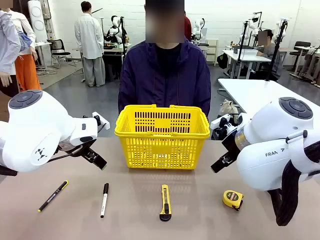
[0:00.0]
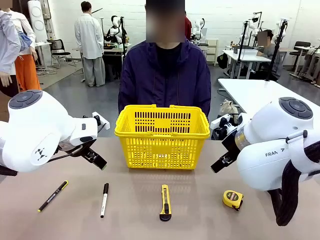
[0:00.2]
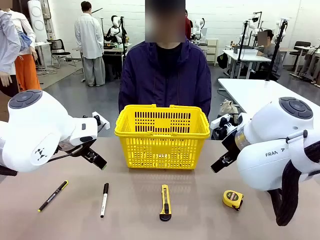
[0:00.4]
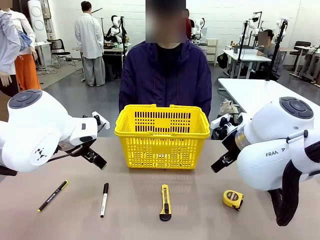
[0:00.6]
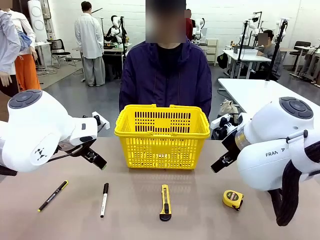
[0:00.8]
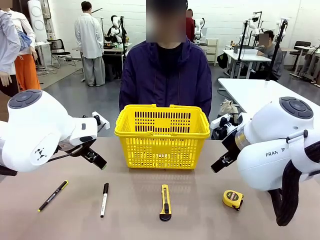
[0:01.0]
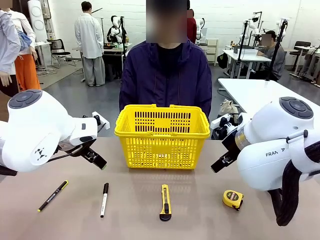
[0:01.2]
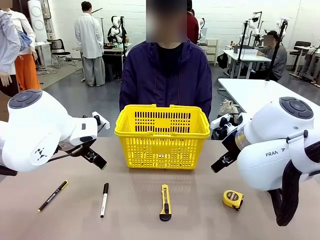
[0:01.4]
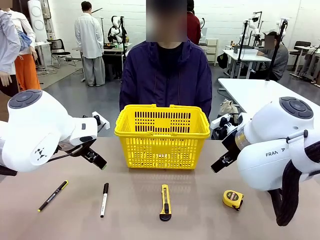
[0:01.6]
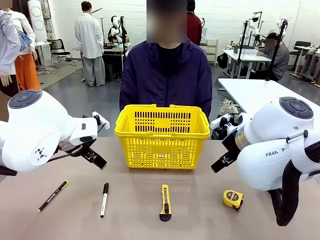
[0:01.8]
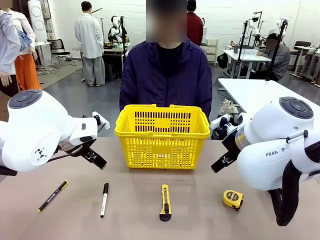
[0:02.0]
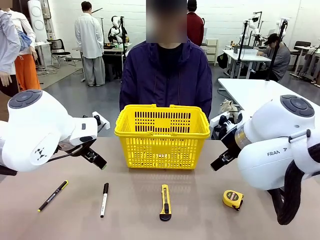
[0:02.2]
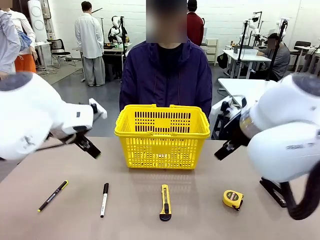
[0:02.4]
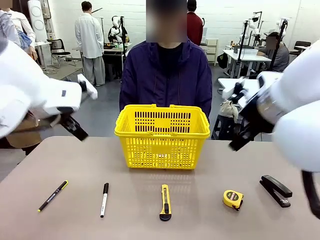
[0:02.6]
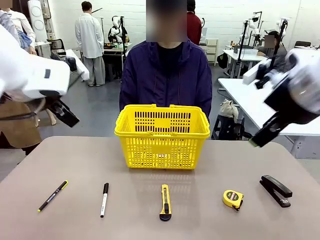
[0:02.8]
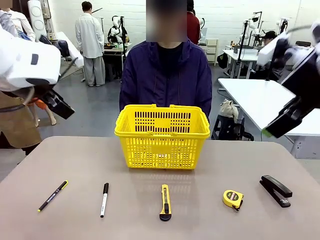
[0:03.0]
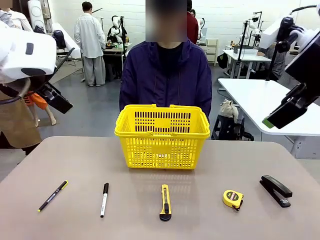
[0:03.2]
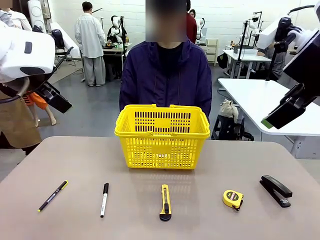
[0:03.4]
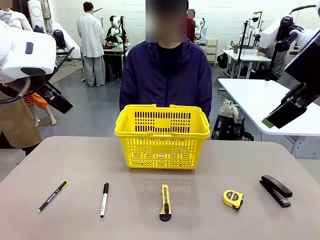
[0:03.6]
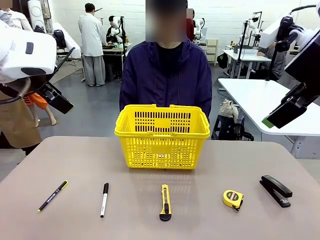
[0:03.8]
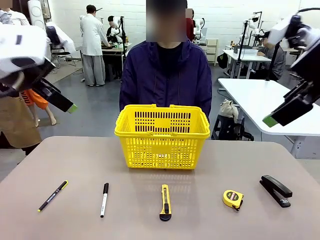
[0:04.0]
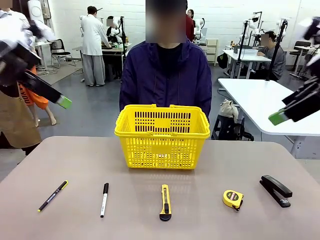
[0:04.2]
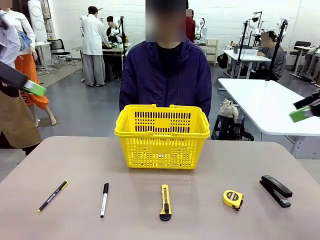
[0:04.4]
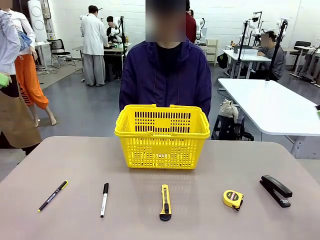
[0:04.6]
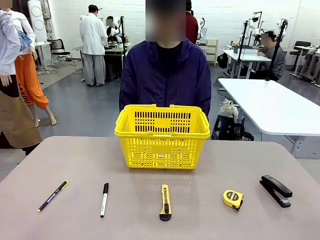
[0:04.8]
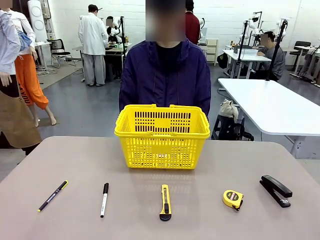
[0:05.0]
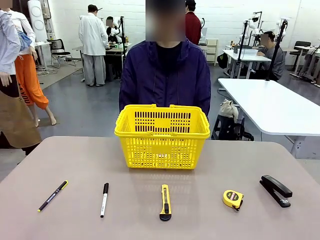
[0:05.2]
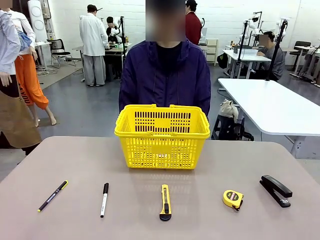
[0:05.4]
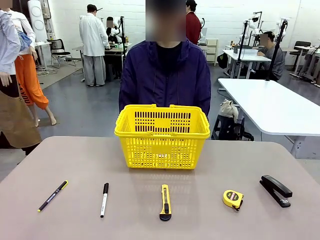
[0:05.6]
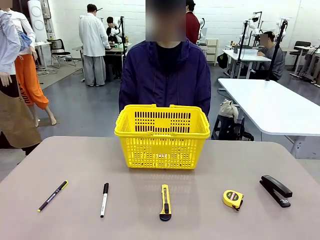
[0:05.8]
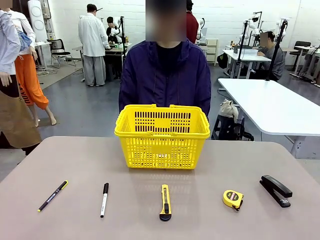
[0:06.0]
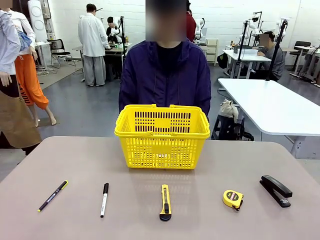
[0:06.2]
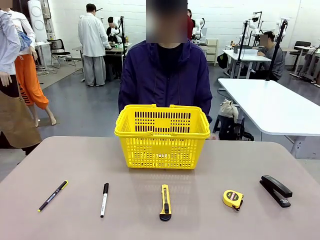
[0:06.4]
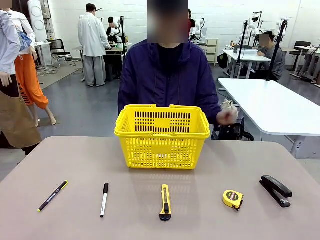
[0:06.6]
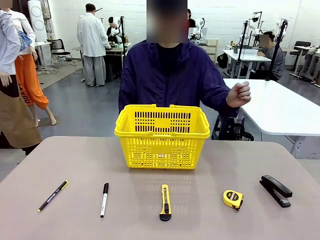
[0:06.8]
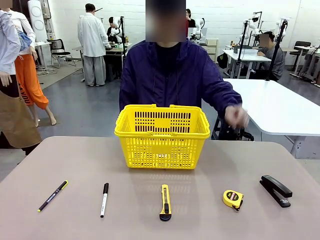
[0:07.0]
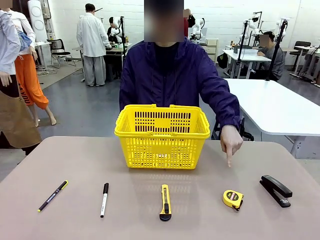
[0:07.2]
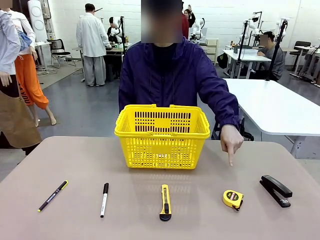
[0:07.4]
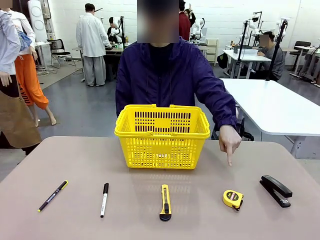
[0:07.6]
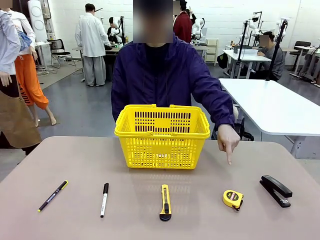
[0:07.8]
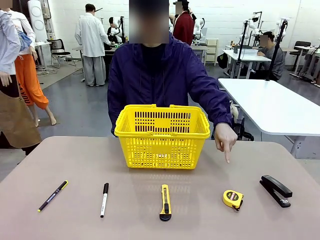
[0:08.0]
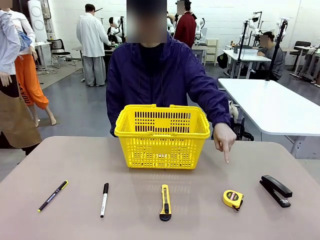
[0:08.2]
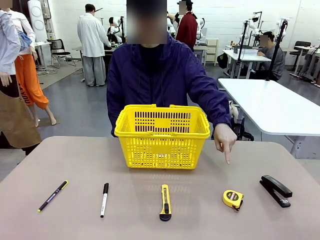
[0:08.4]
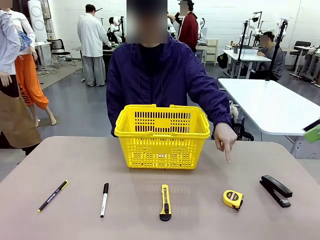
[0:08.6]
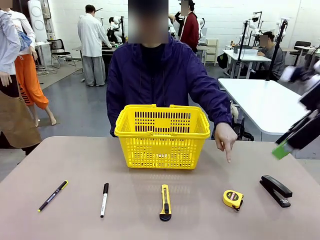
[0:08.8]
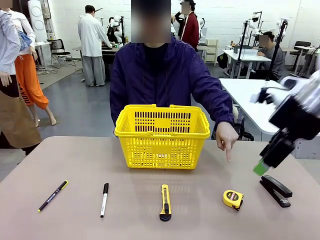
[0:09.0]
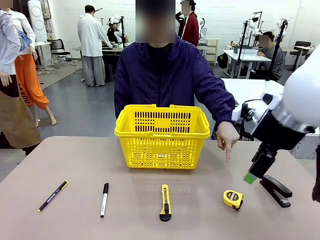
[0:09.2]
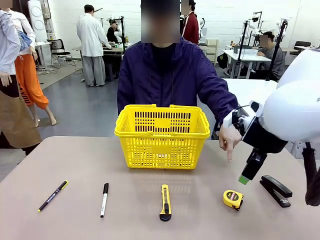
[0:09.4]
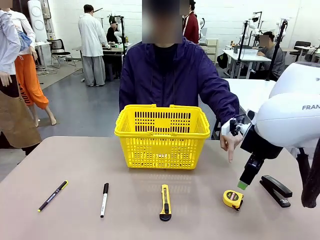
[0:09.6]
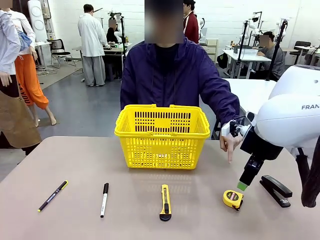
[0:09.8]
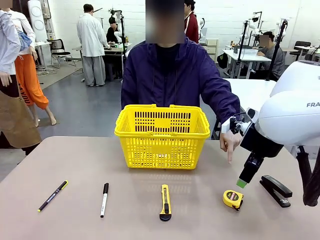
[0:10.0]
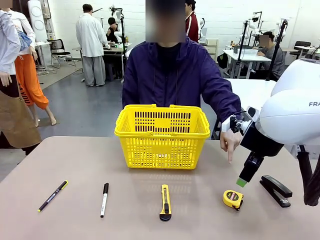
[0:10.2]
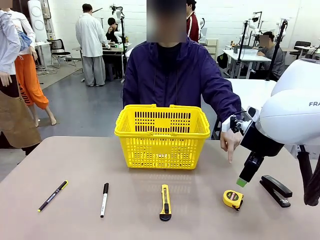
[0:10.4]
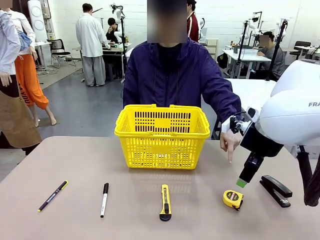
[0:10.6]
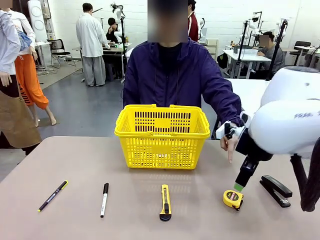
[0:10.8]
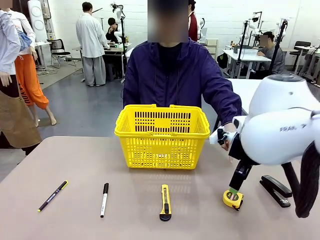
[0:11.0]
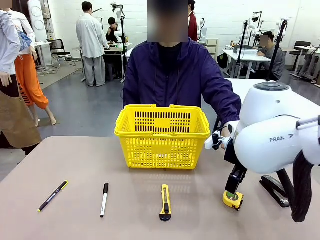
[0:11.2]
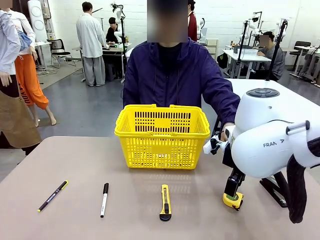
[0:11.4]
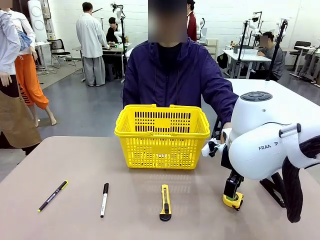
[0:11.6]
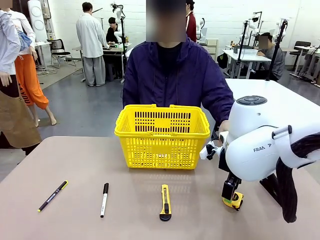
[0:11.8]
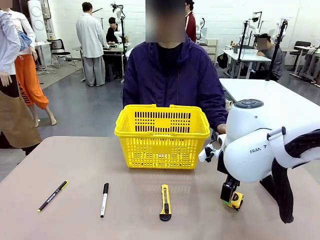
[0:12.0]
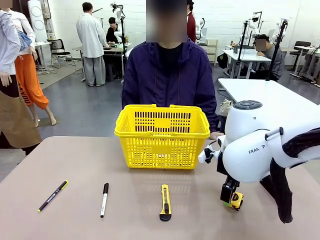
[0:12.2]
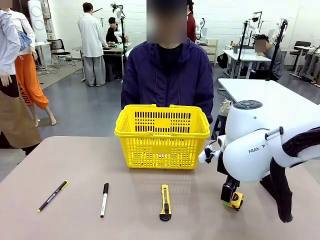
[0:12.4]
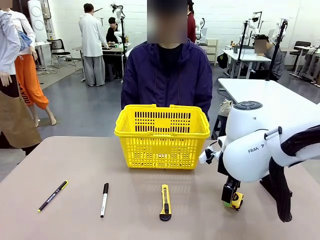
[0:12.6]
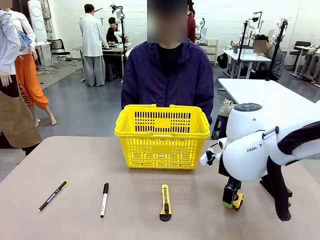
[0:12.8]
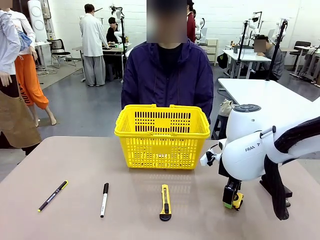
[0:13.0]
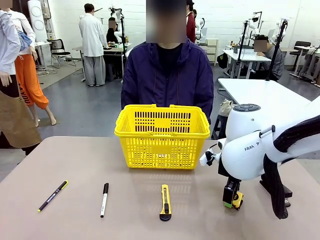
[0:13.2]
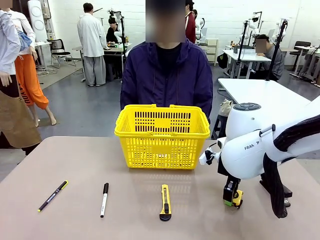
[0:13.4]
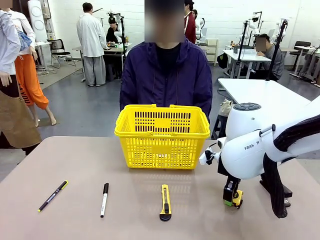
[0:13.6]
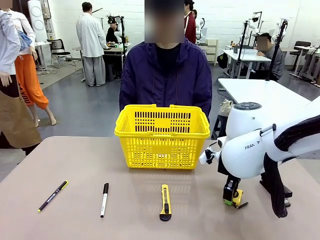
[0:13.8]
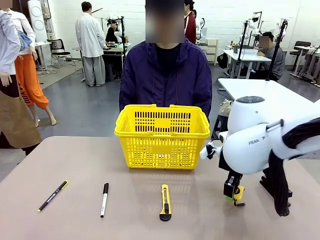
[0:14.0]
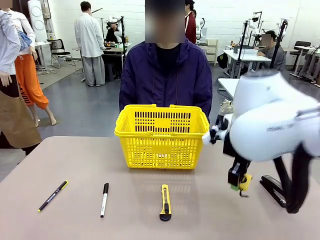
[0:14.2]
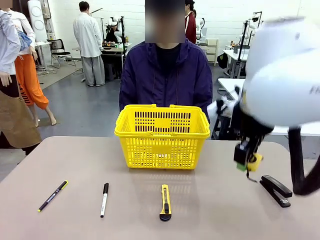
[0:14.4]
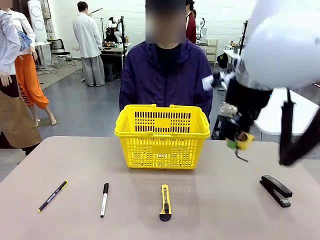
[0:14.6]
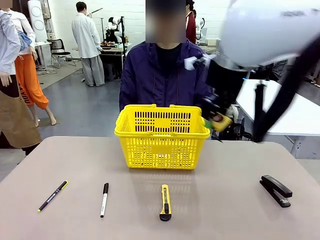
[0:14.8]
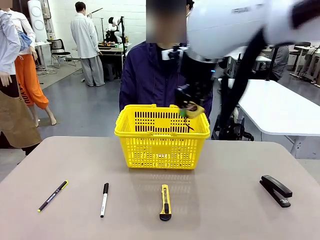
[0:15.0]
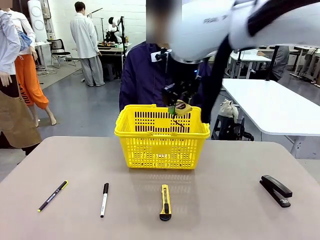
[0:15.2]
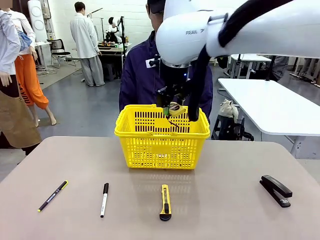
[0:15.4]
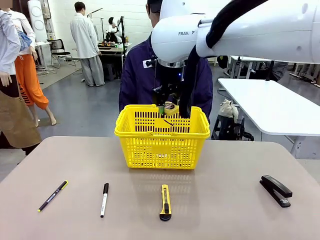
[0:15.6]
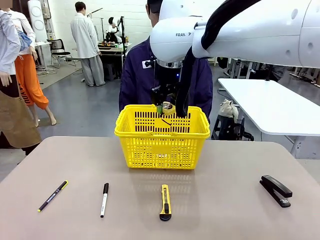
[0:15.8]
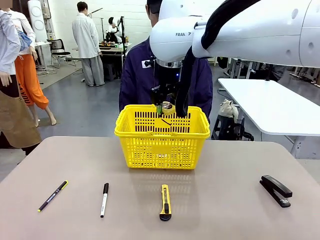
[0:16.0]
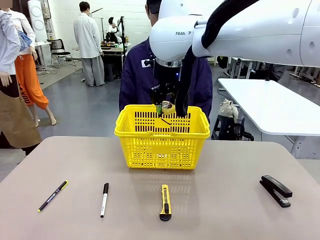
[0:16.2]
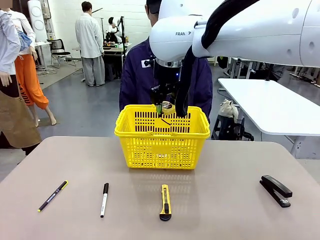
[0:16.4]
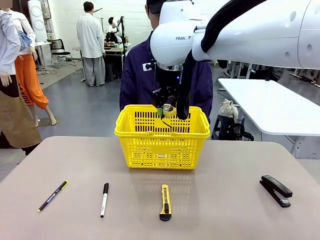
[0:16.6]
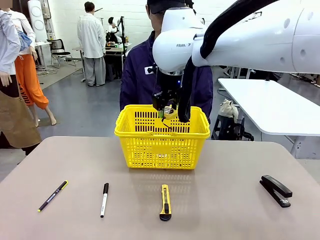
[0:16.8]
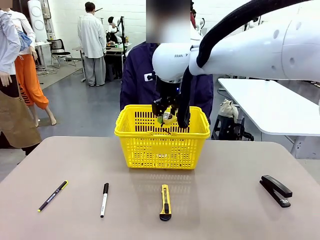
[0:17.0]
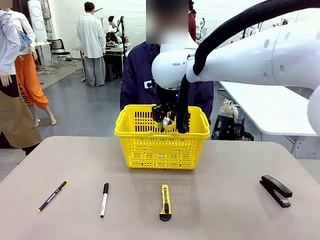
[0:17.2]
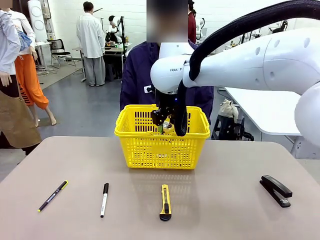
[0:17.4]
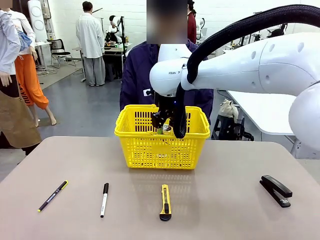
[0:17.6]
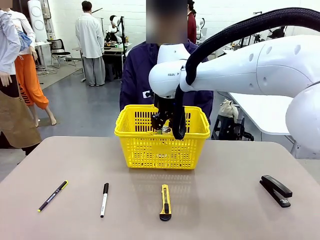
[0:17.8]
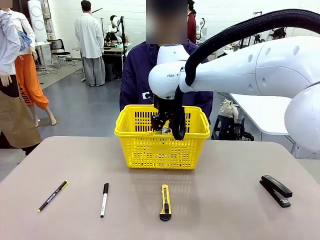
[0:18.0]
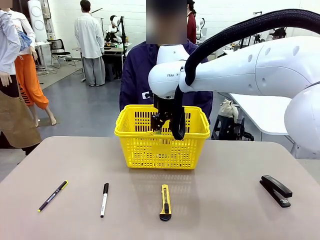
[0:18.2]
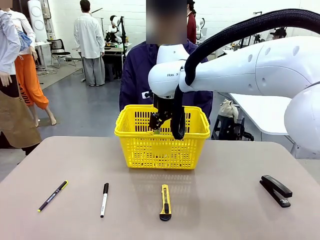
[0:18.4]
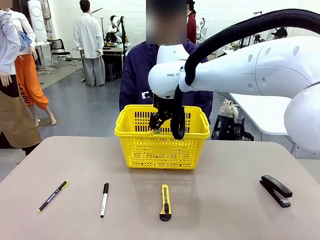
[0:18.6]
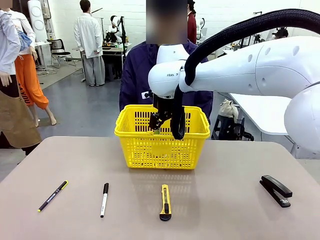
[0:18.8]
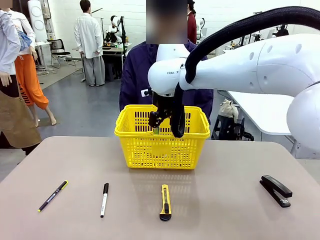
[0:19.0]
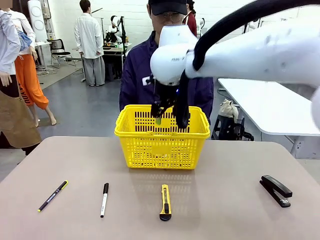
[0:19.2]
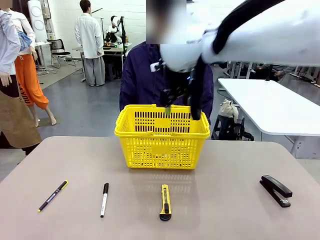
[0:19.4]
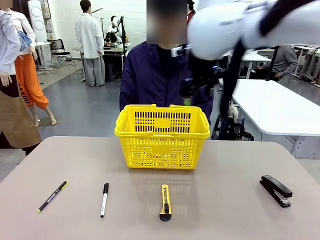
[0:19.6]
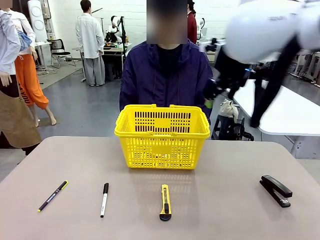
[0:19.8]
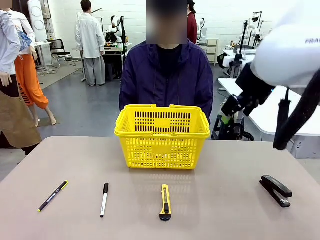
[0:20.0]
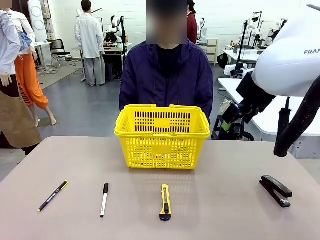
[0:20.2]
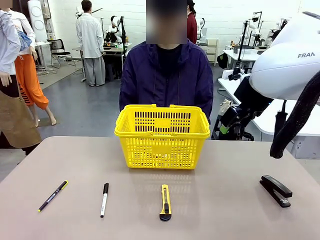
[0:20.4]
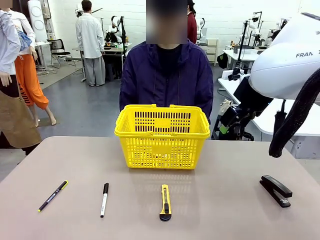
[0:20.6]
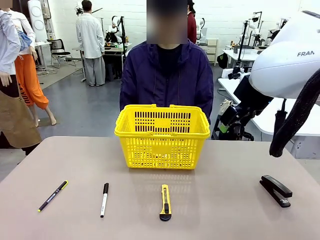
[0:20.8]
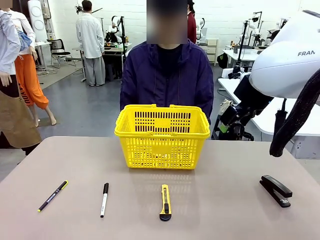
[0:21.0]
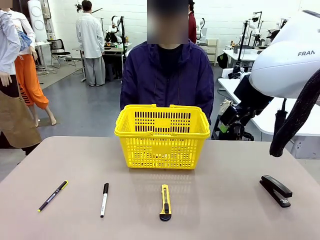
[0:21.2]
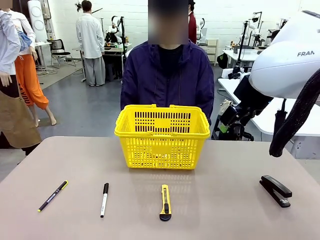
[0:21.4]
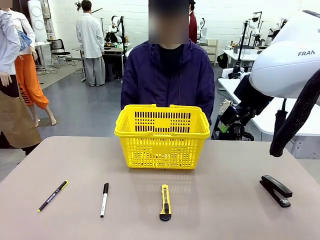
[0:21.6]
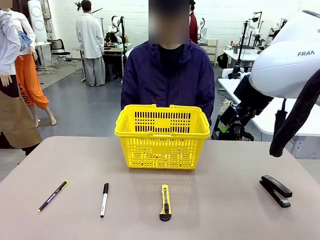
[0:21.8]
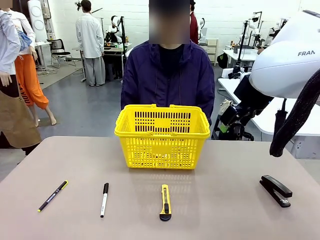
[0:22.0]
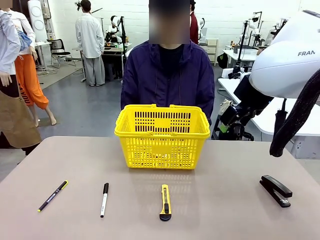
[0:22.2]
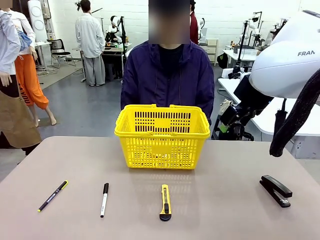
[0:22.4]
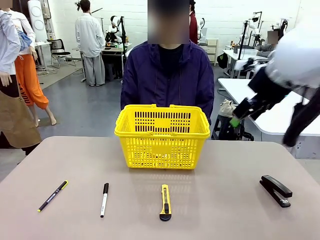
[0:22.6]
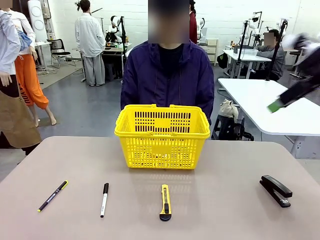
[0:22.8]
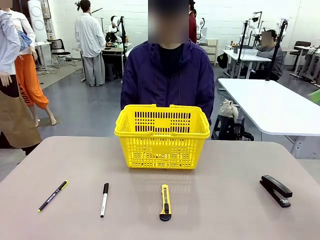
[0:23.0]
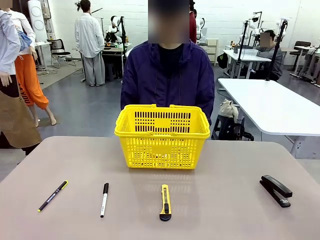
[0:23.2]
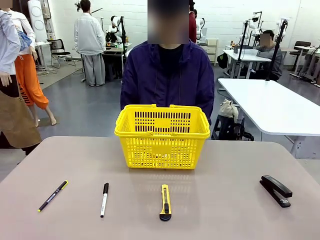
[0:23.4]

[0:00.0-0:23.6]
Task: Place the items the person wants into the basket.
Robot: Pick up the item the person points to and place it in the Market Basket.
